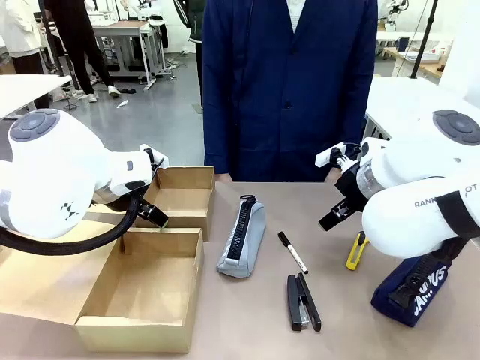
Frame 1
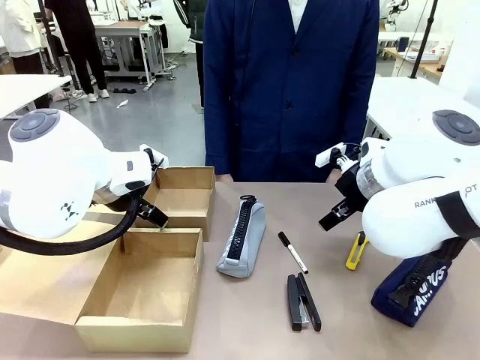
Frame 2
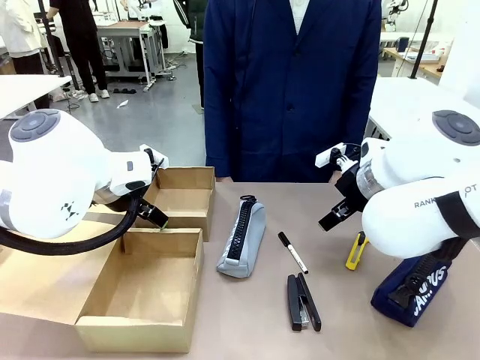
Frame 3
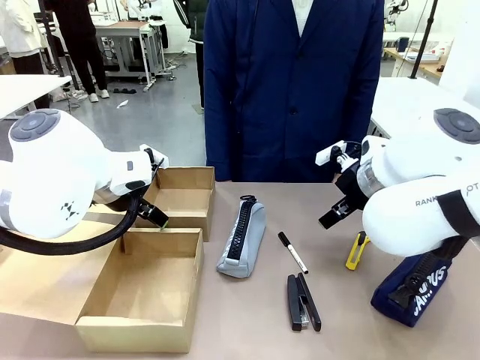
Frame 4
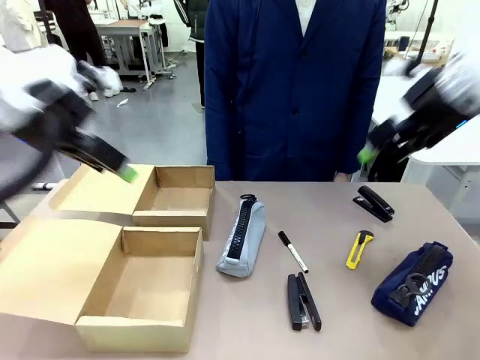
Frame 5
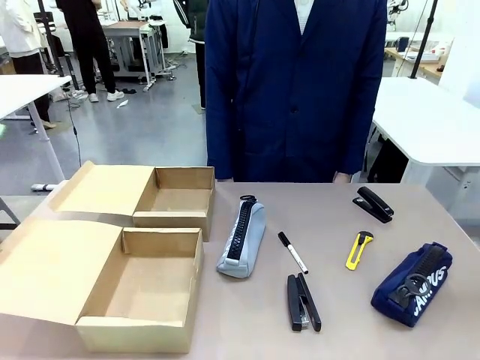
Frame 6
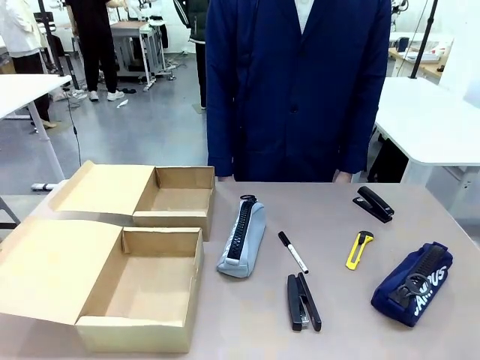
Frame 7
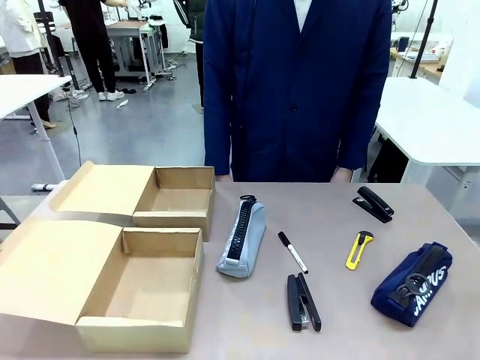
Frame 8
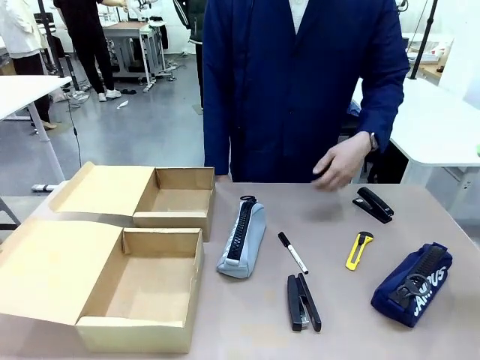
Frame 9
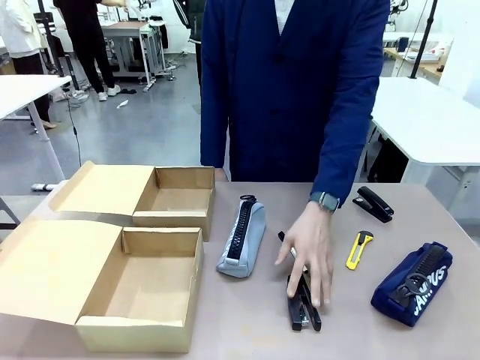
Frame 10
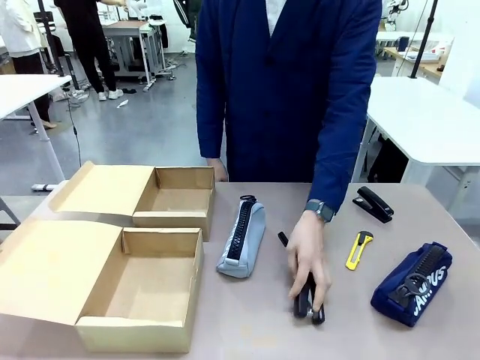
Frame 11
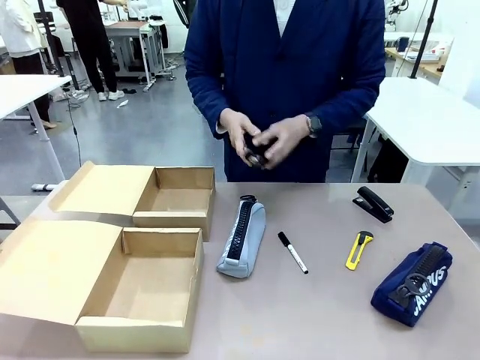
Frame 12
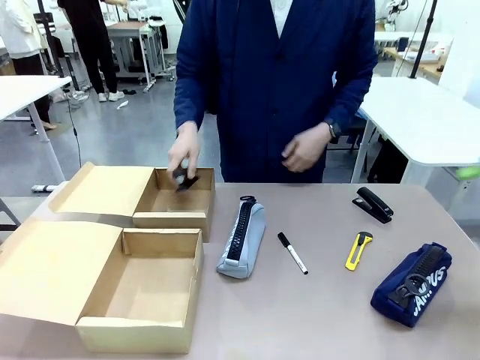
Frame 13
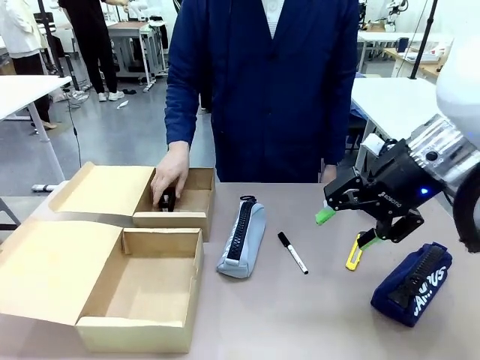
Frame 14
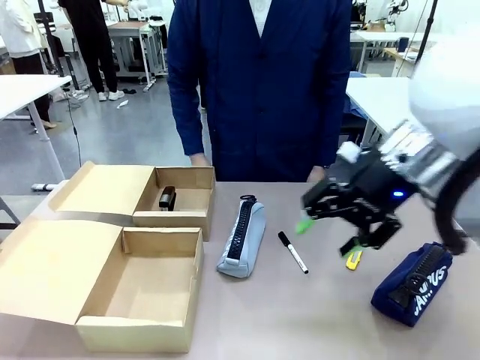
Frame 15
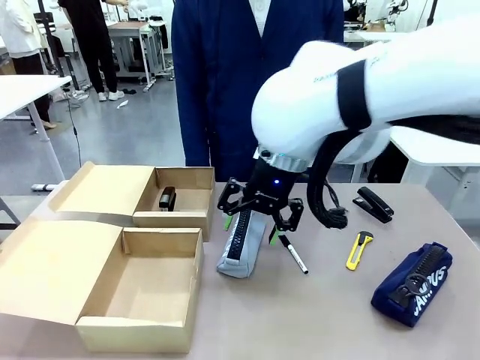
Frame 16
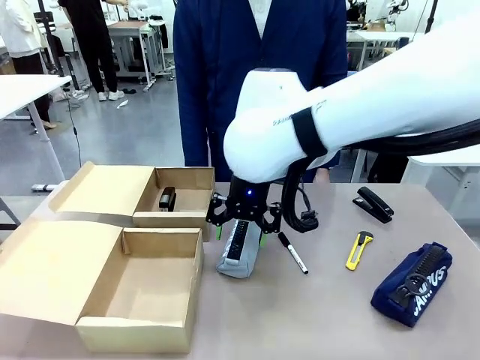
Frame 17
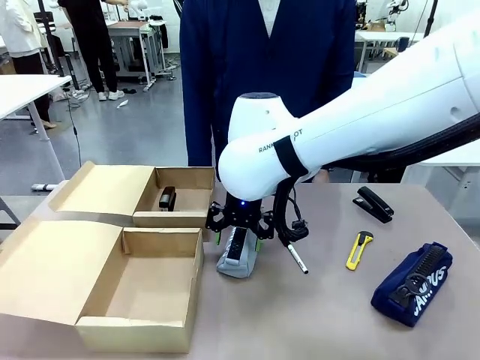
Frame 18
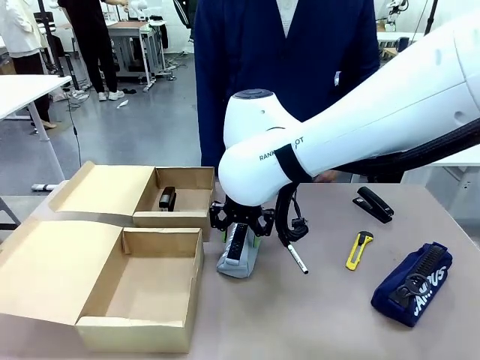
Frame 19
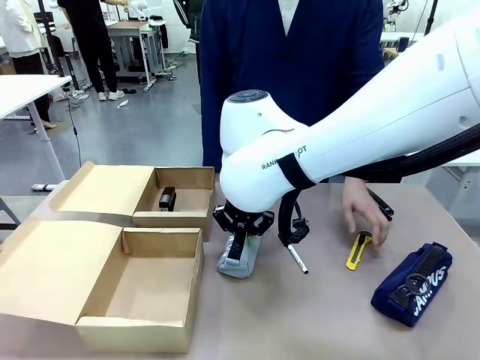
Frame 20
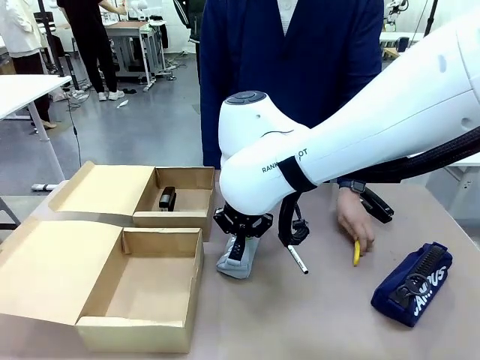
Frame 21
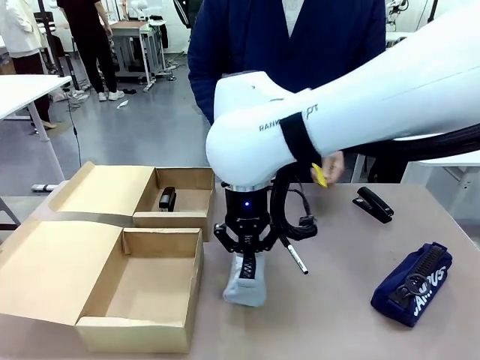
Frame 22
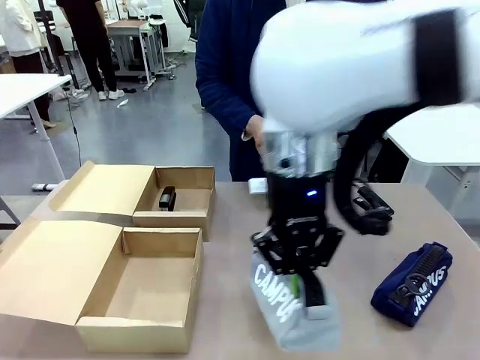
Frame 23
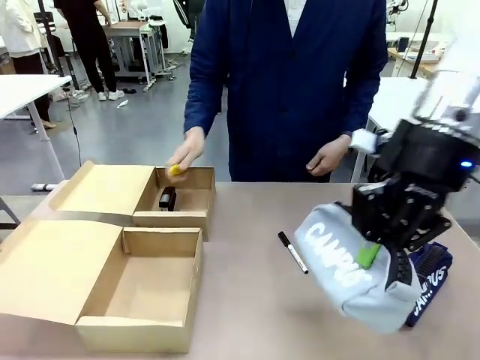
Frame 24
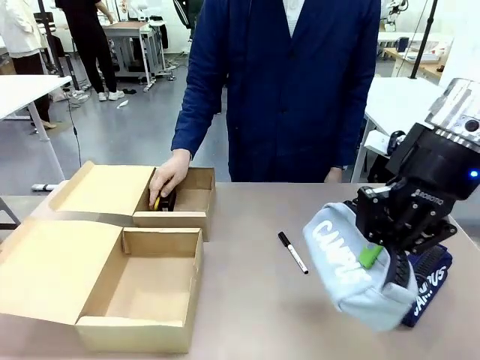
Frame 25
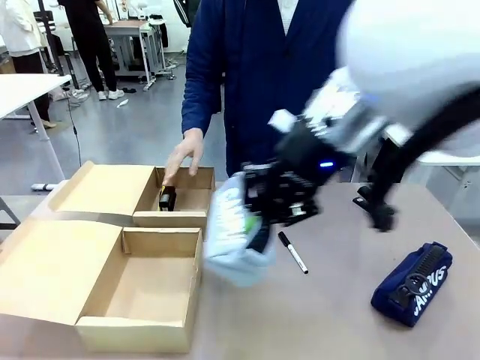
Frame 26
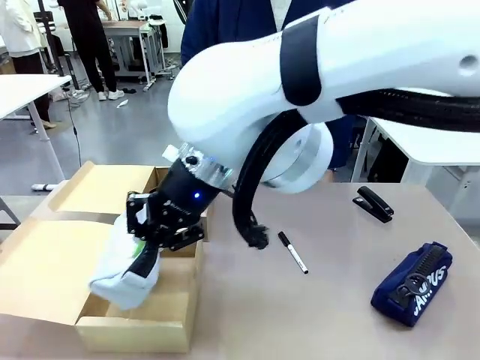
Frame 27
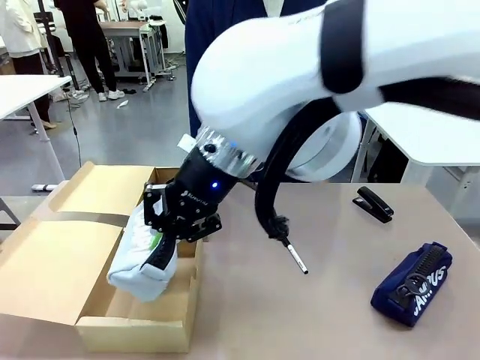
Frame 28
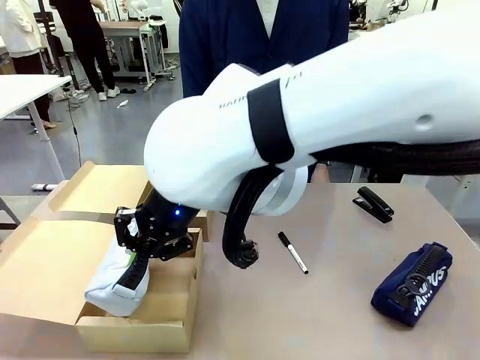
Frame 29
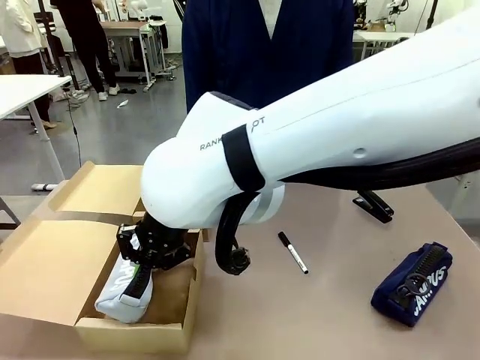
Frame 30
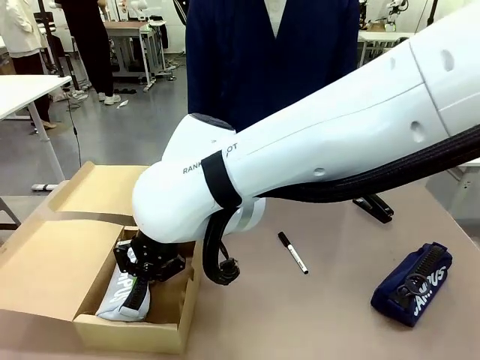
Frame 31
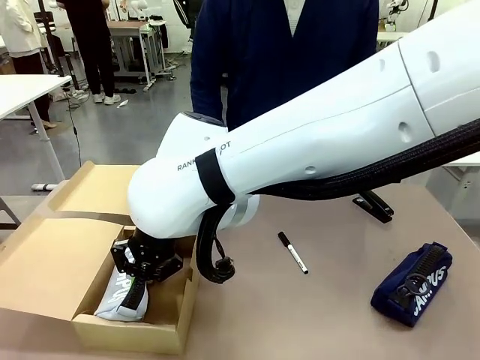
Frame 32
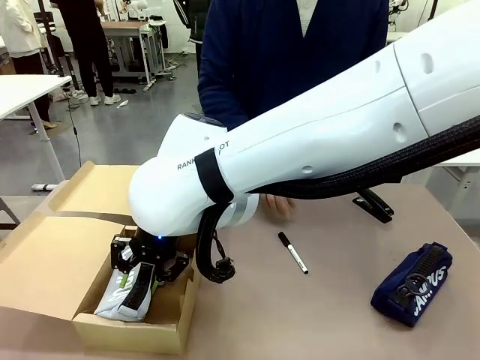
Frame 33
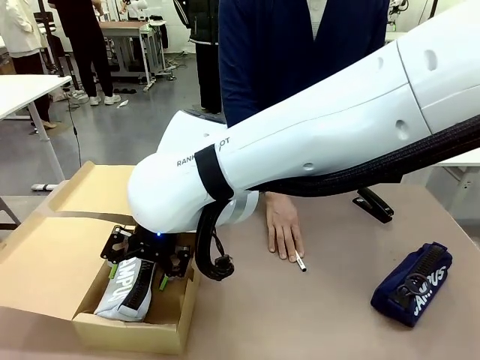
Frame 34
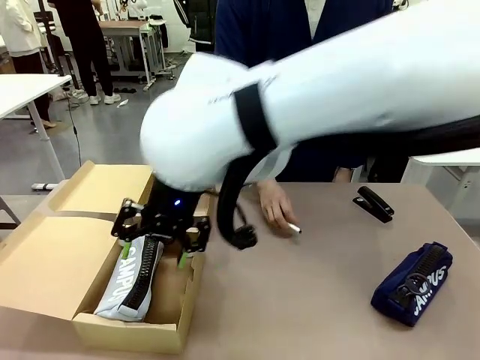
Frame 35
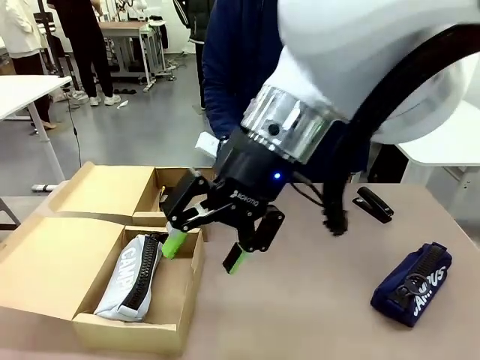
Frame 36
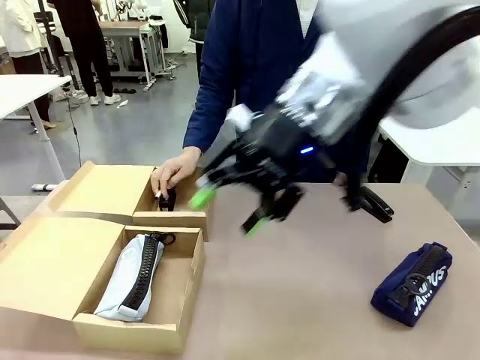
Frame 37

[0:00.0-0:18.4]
Task: Place items inside the box.
Robot: Pick up a Pencil pouch or Stapler and place it inside the Mailer Box closest to the robot.
Person: Pick up an object on the table and put it in the box.

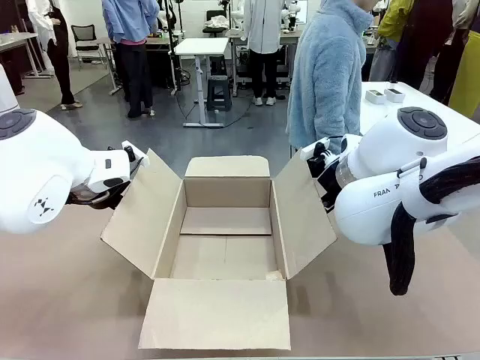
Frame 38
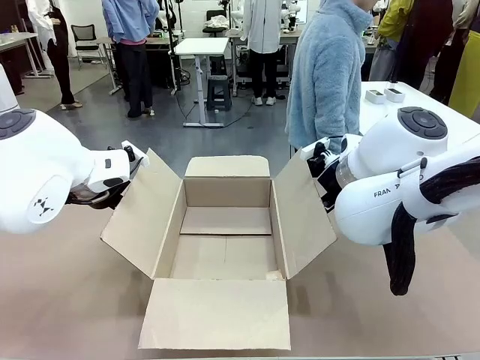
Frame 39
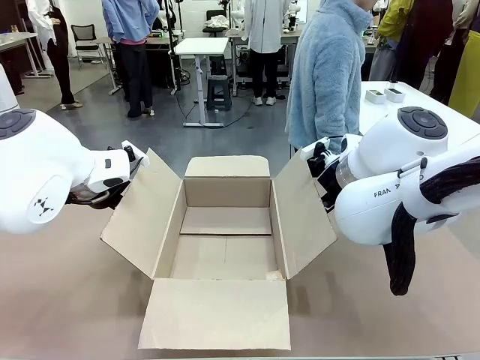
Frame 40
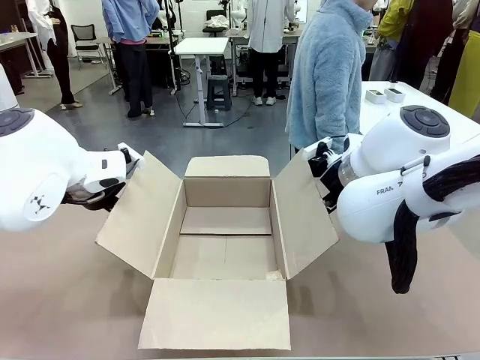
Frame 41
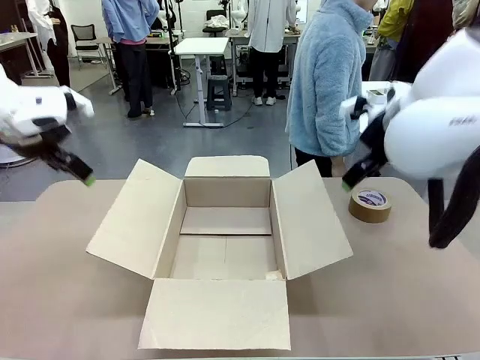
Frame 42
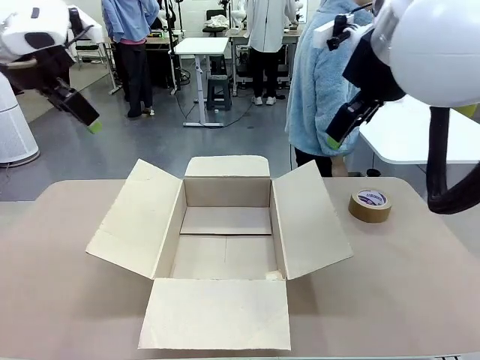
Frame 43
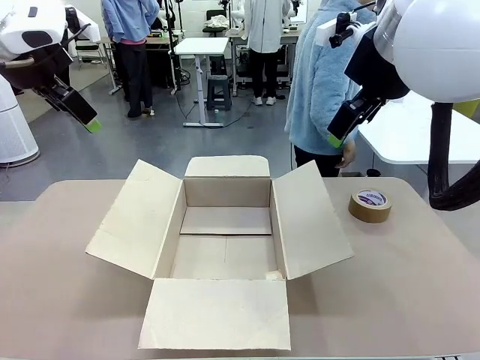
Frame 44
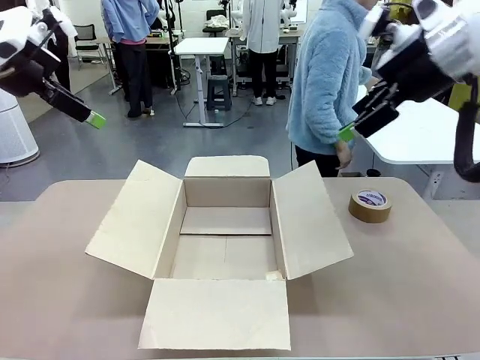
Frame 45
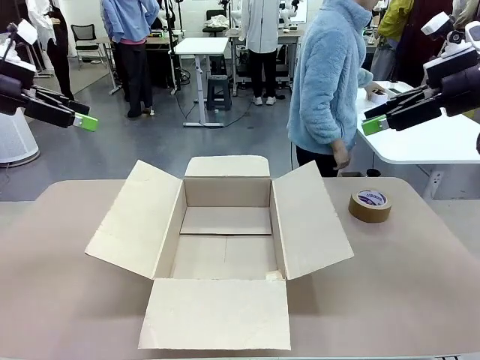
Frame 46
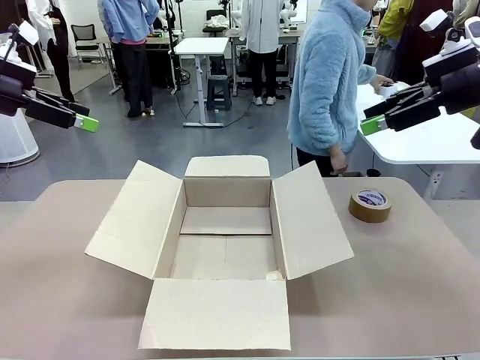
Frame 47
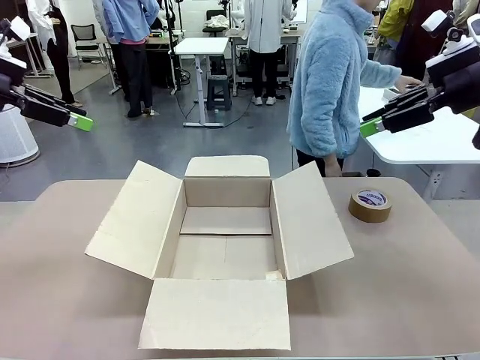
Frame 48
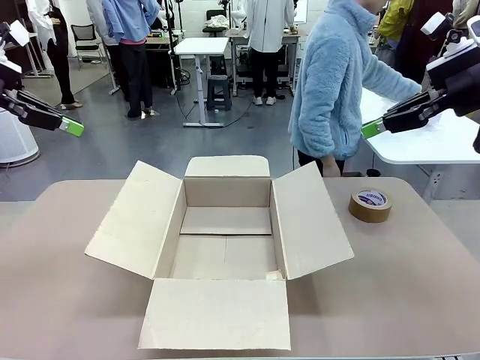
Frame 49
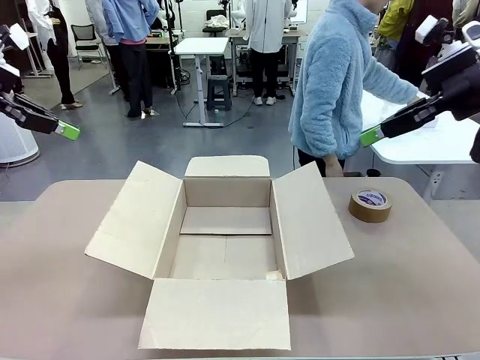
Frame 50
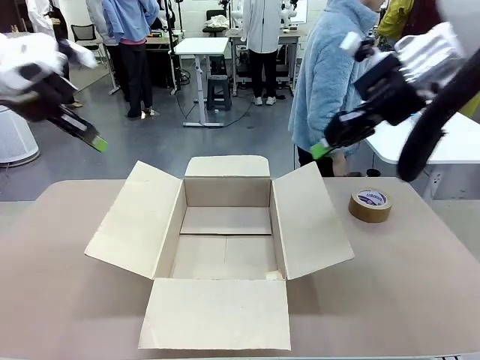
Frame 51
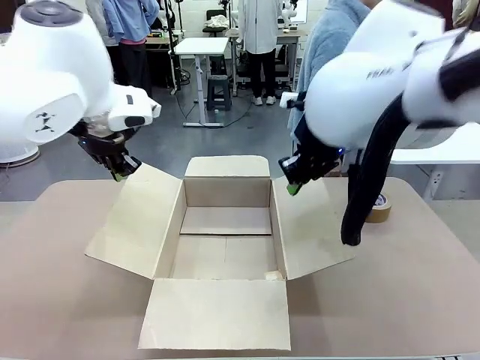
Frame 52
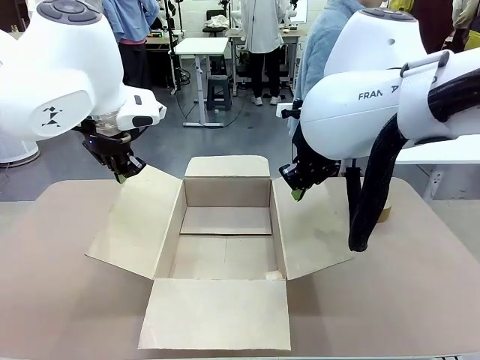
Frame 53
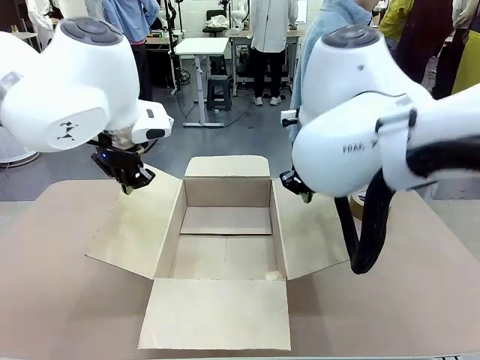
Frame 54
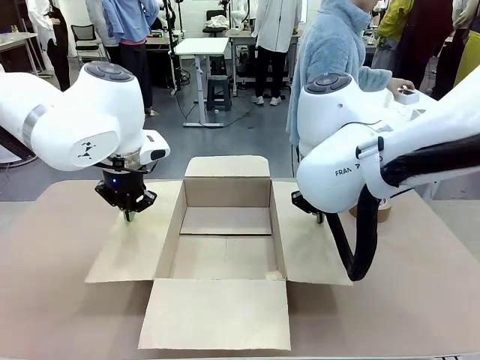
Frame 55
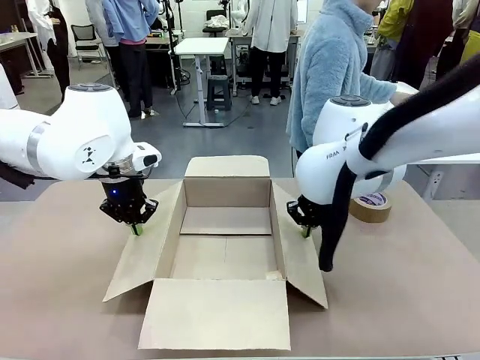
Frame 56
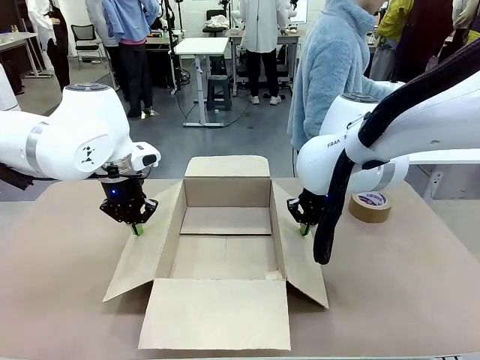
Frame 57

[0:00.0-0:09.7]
Task: Wrap the clocks to prevent damage.
Robot: Open the side flaps of the Package Box.
